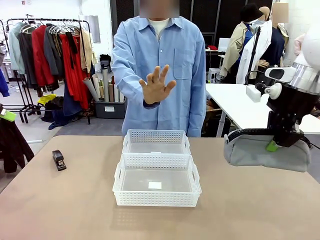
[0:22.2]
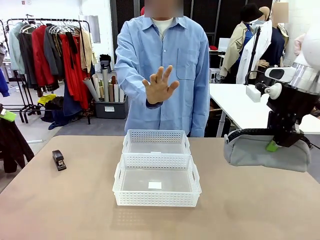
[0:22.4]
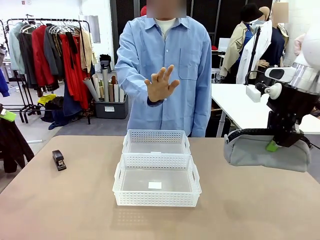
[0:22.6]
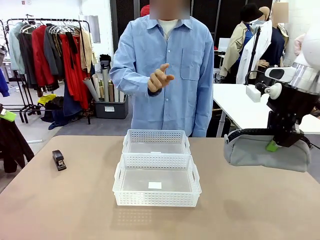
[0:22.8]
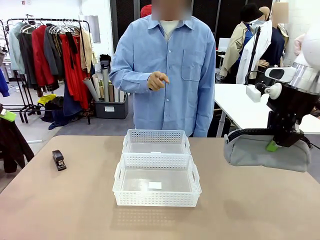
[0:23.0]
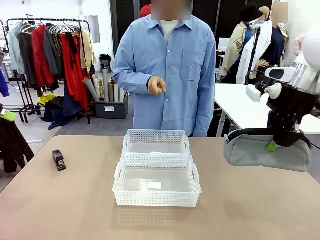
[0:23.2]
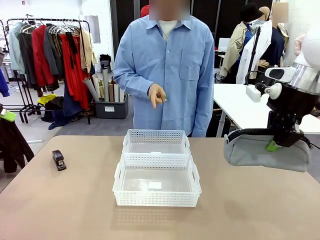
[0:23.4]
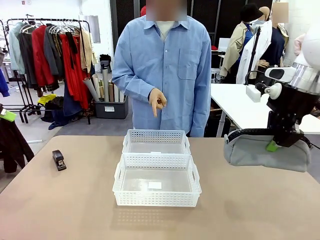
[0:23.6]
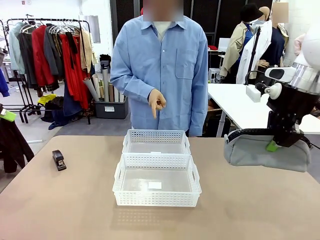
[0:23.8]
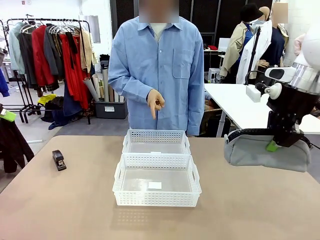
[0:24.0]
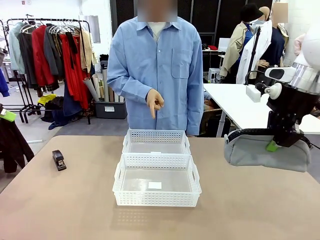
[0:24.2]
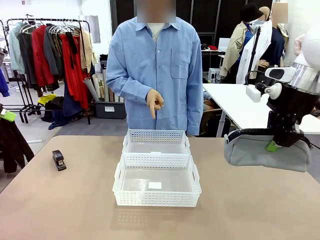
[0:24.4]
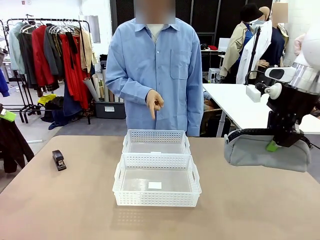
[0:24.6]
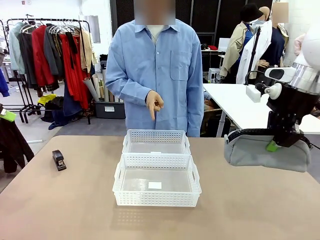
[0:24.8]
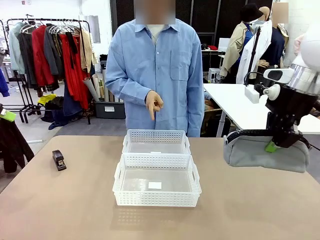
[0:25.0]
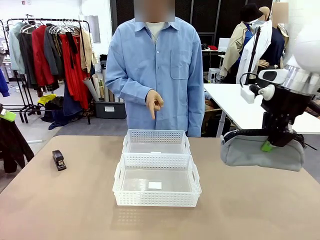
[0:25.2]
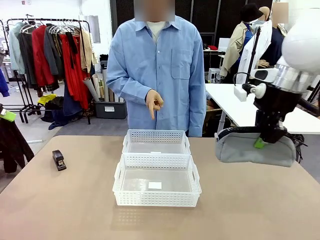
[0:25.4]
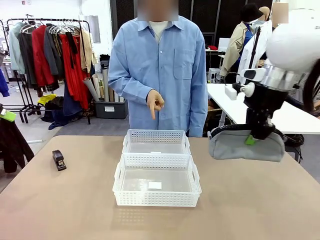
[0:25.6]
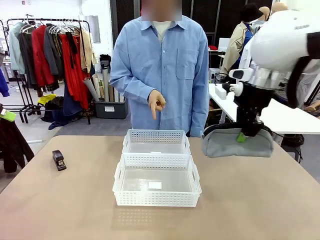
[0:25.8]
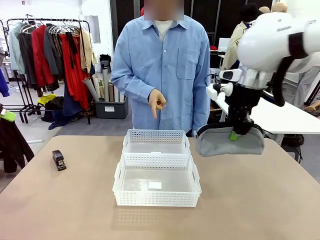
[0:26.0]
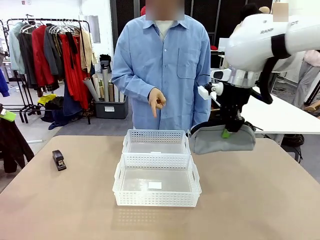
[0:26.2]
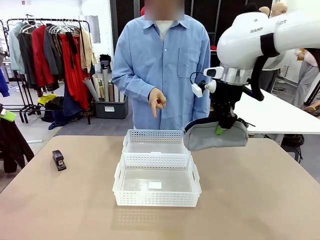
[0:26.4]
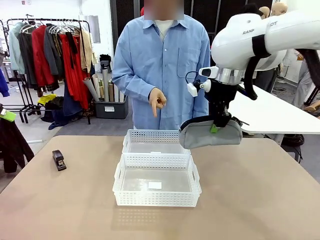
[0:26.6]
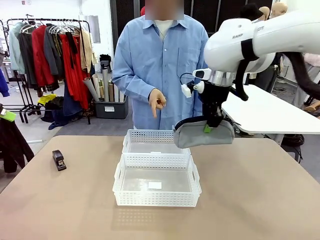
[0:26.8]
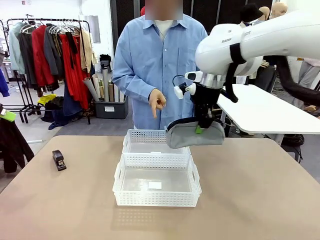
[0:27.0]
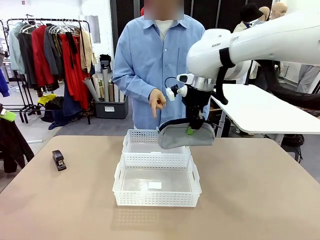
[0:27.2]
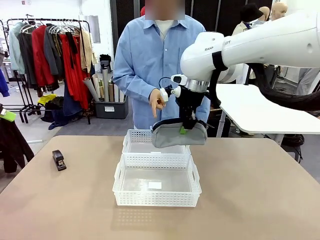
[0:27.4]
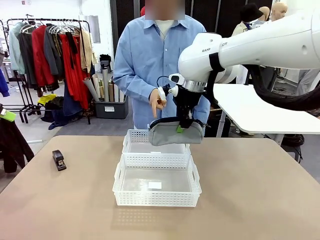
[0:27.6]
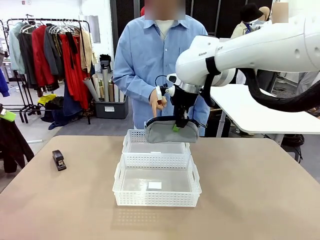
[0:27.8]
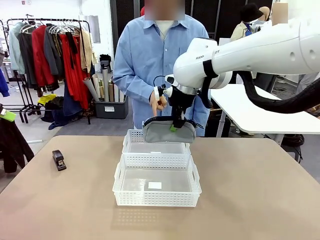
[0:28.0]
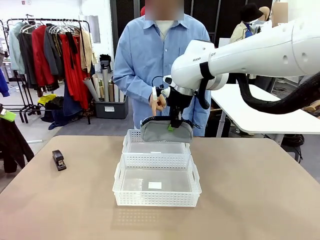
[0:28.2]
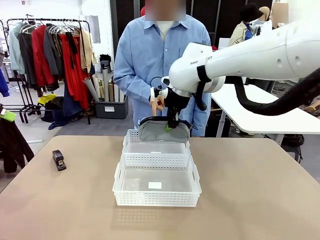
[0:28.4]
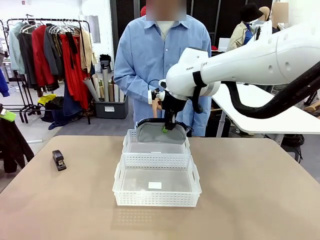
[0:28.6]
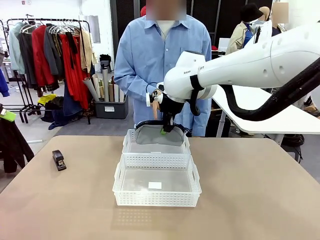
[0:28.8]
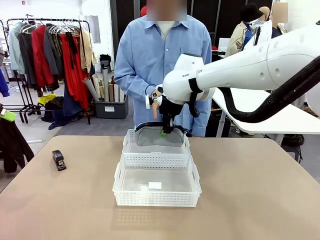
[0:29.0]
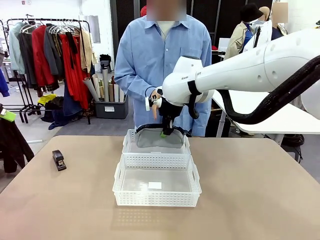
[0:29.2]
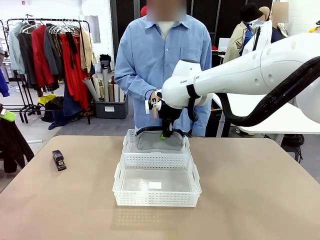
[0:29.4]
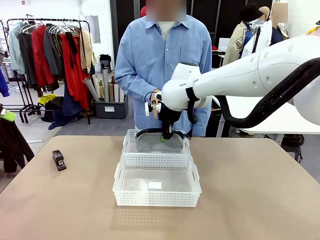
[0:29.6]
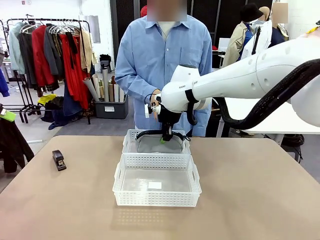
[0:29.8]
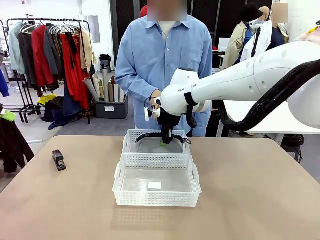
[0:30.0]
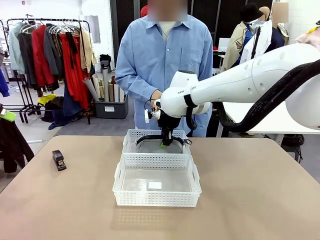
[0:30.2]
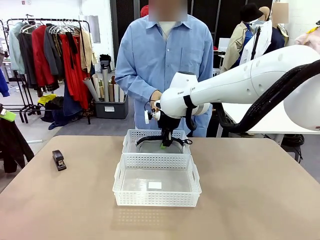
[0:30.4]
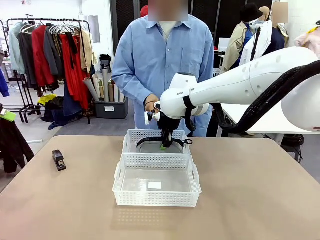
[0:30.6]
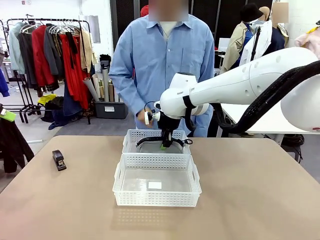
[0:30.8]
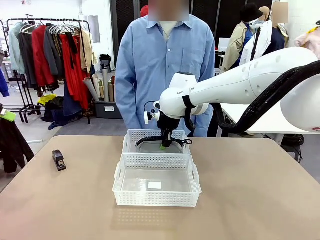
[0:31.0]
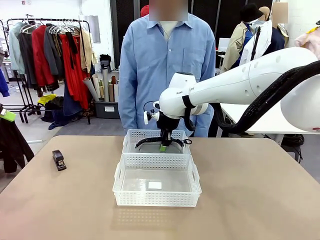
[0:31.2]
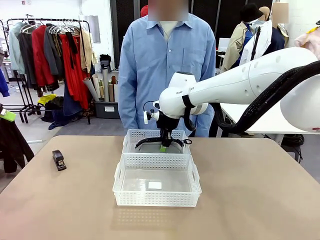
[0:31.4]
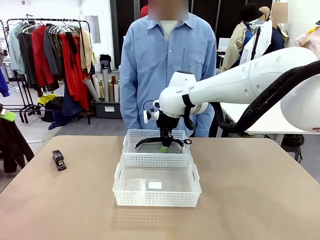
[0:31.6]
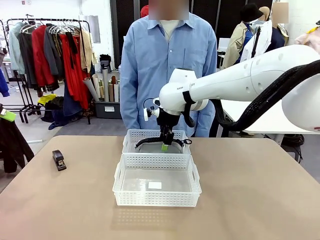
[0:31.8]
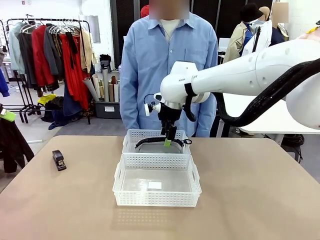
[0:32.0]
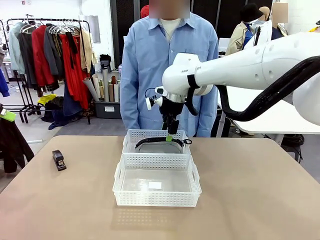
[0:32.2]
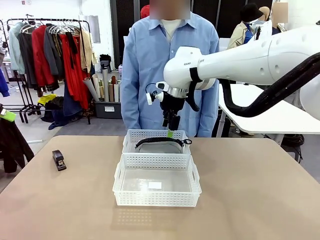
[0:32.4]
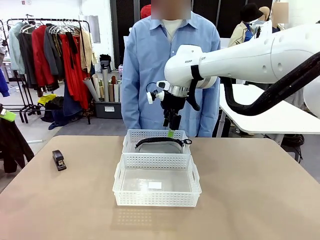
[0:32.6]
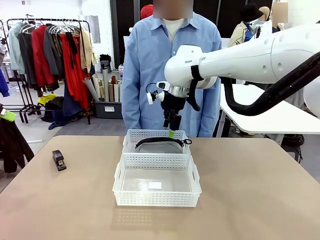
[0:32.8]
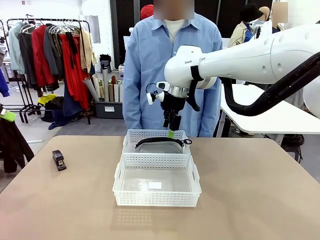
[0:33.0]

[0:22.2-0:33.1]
Task: Distribute items into two baskets.
Robot: Place the picked Pencil pouch into the Organizing basket as instructed by the person.
Person: Instructs the robot to place the pencil case into the opposite basket. Points to the stapler.

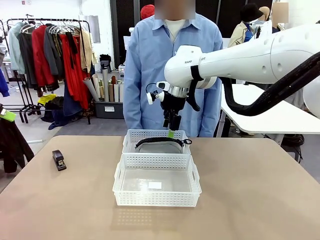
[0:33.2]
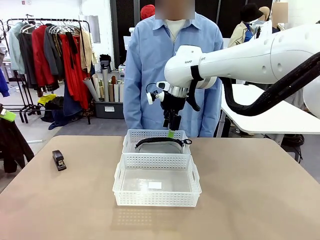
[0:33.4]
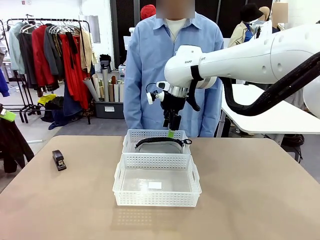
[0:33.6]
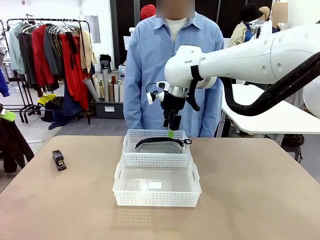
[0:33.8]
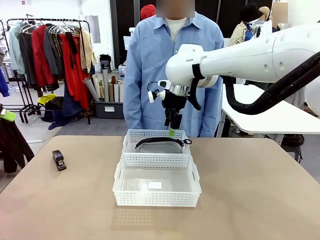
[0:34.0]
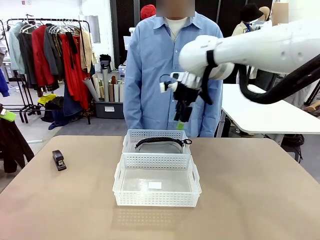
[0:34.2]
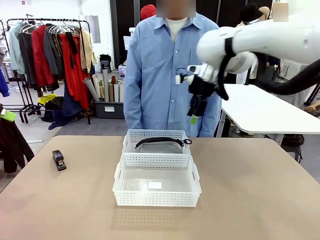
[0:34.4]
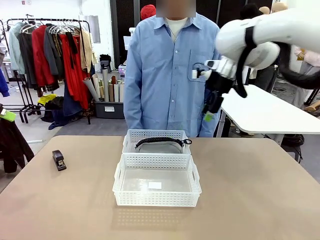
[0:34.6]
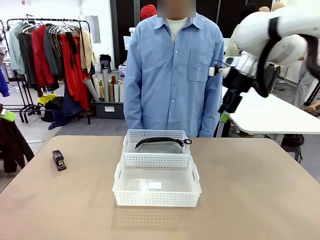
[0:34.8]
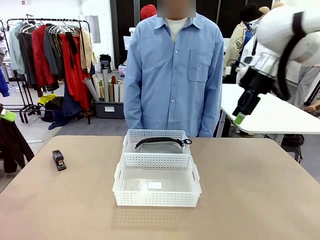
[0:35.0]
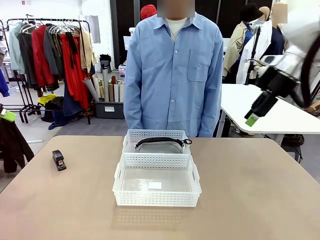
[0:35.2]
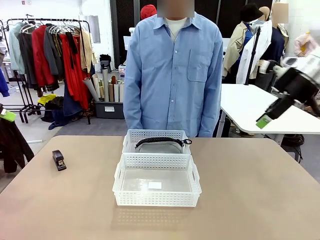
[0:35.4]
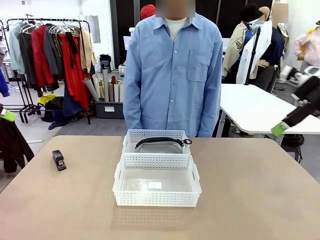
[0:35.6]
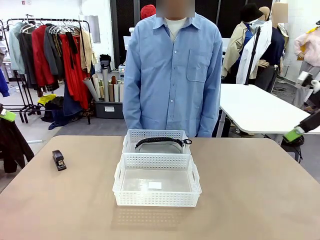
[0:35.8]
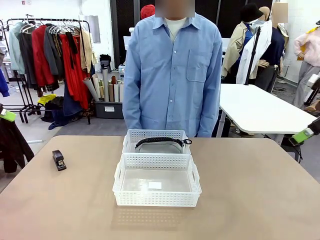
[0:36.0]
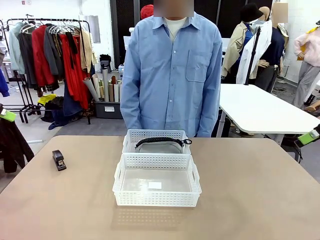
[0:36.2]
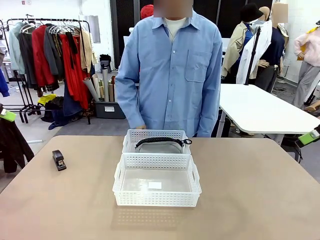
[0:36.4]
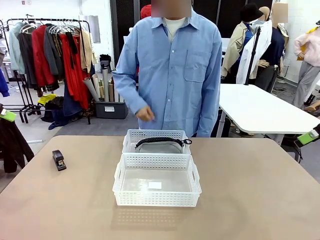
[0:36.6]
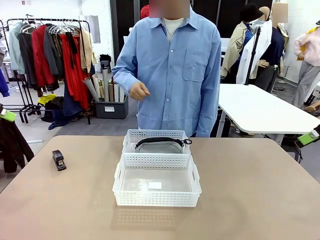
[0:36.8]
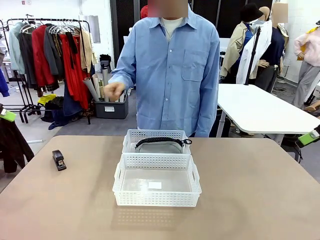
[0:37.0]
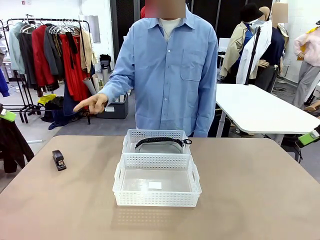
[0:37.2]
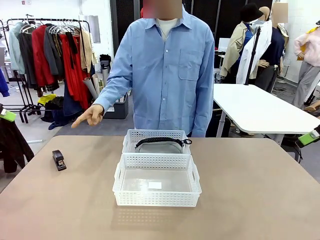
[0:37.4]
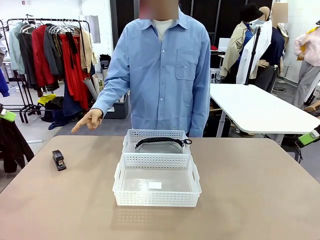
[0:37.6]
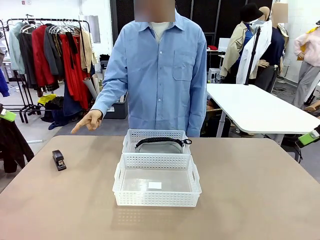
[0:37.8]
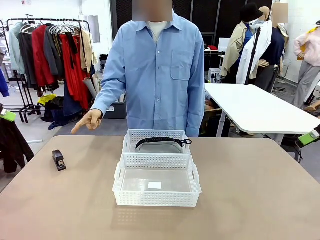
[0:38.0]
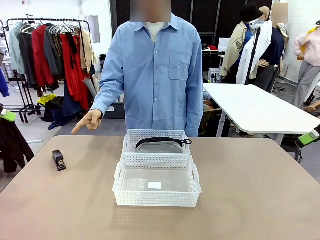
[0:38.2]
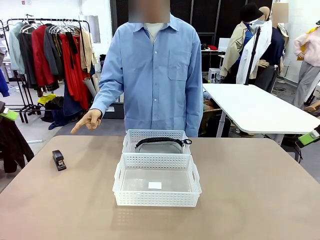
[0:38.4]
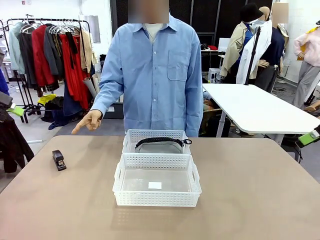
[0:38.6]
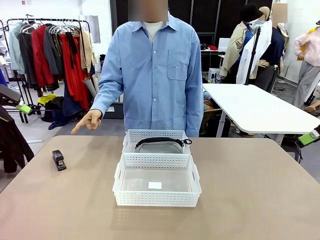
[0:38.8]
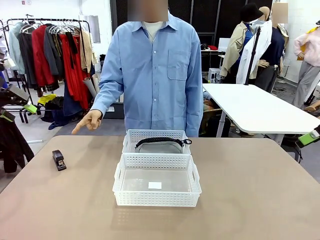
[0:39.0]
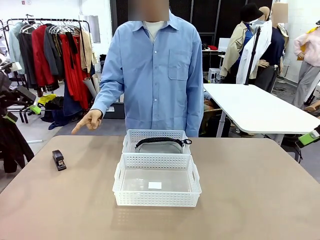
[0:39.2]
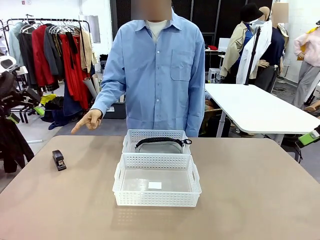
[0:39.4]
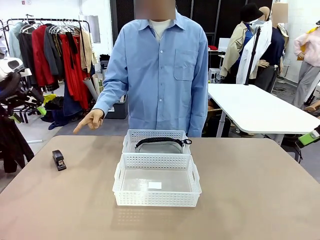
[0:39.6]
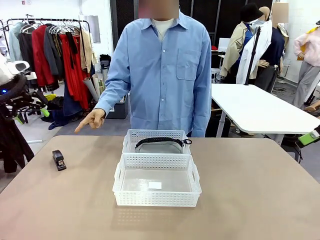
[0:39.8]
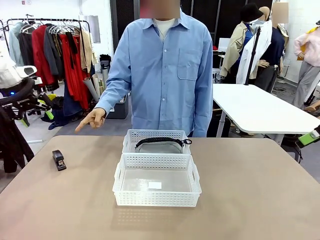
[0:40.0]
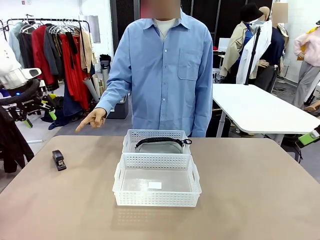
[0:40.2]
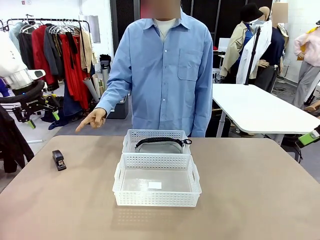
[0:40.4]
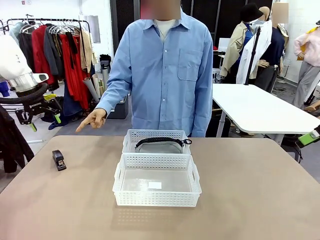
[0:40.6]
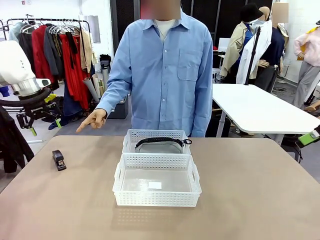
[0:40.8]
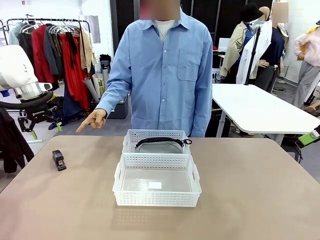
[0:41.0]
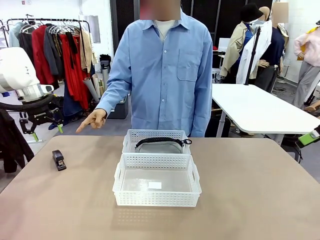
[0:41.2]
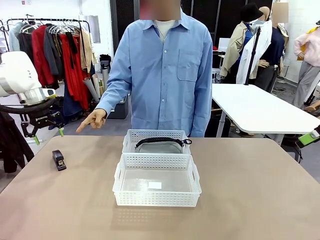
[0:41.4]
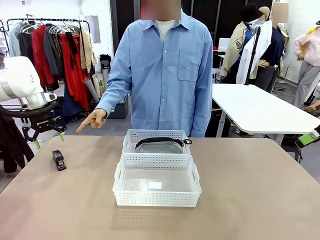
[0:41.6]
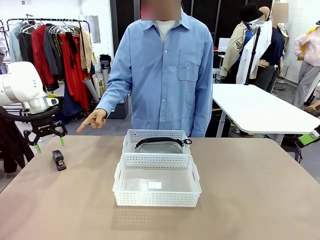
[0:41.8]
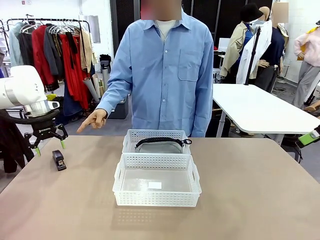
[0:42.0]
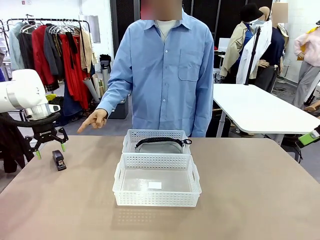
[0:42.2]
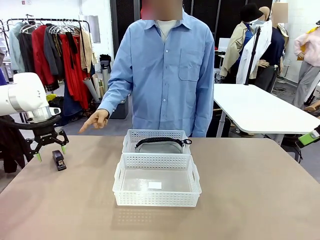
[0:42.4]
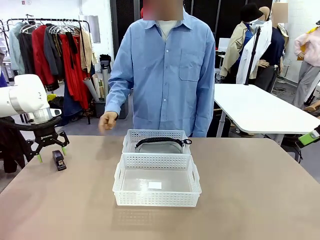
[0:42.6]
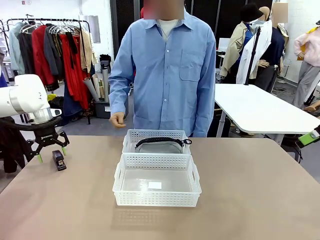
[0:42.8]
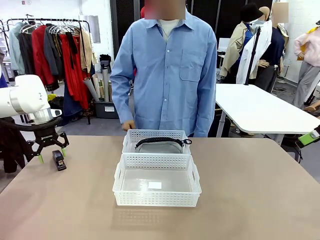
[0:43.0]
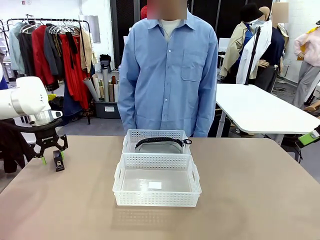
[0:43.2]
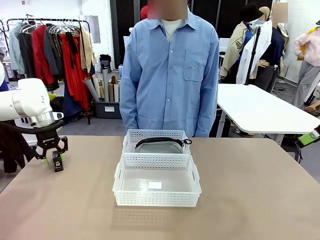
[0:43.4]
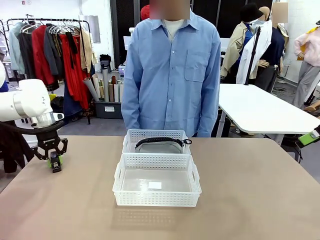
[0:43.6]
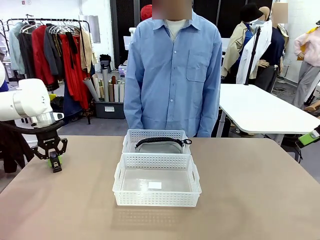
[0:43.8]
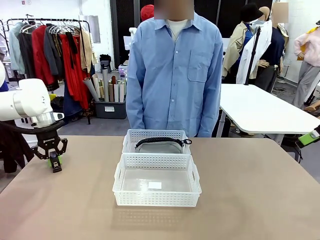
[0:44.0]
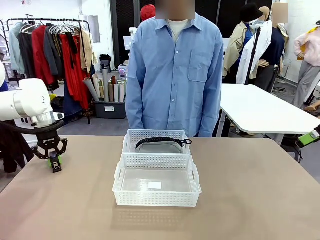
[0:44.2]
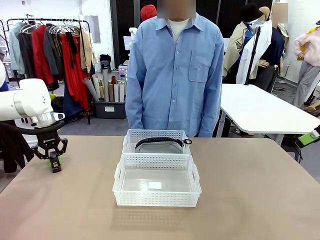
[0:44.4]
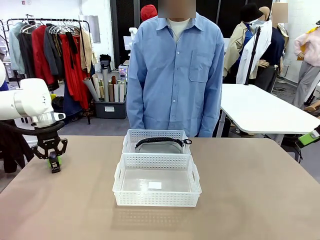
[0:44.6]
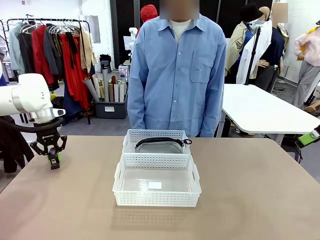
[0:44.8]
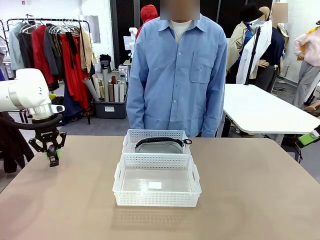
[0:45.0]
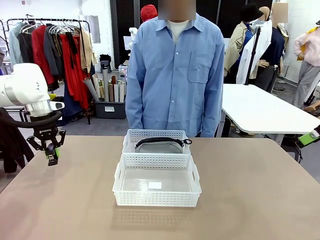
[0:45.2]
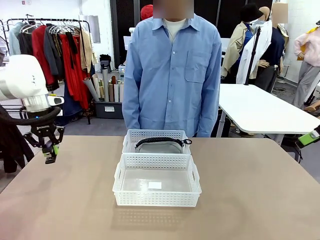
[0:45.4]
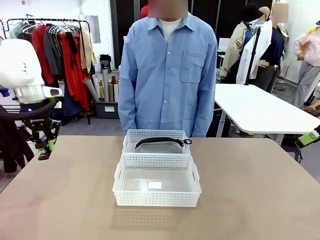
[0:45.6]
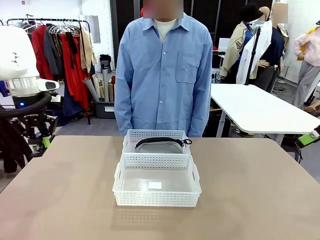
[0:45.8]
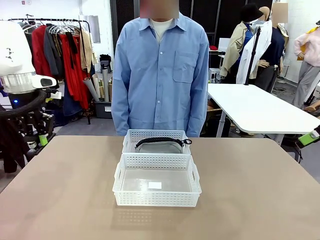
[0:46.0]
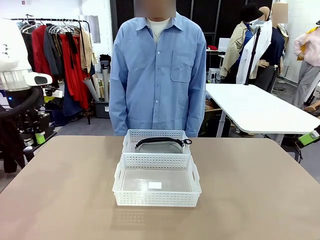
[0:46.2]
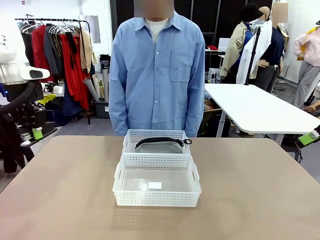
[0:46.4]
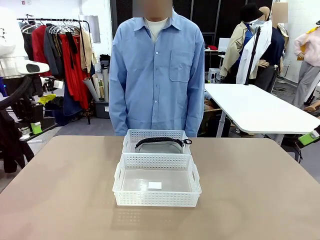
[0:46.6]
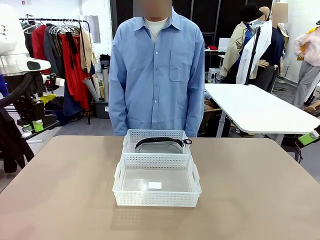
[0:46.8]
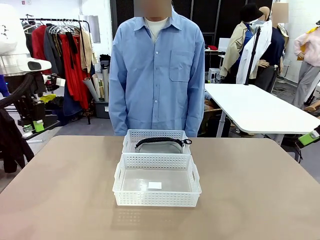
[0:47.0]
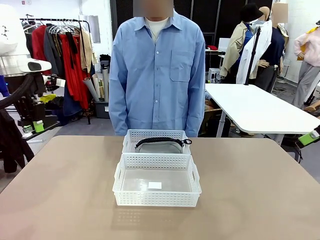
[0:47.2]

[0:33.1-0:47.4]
Robot: Pick up the Stapler that the person points to.
